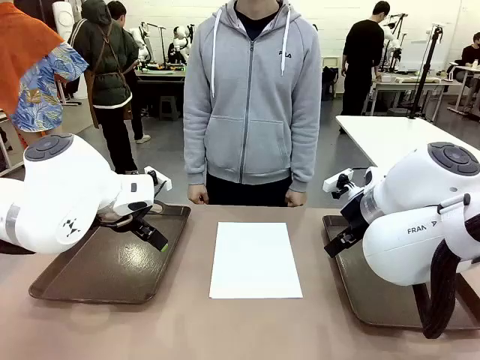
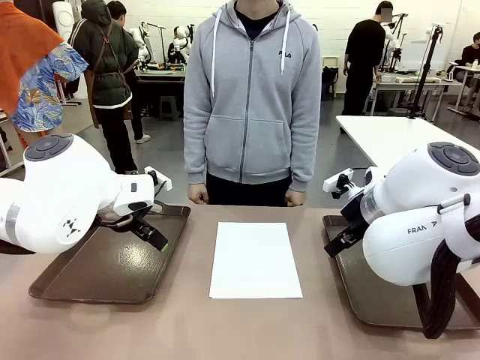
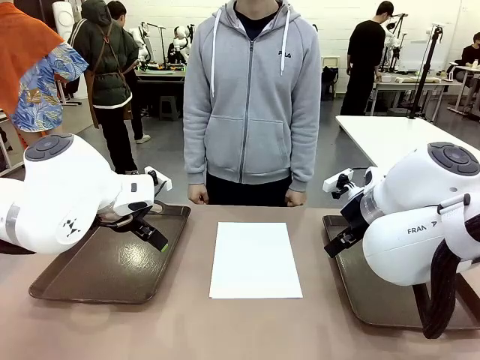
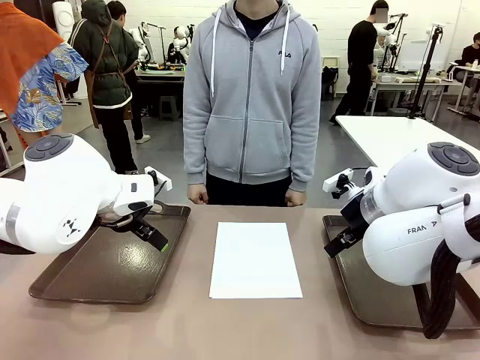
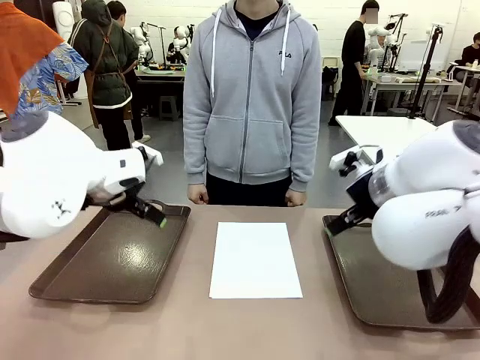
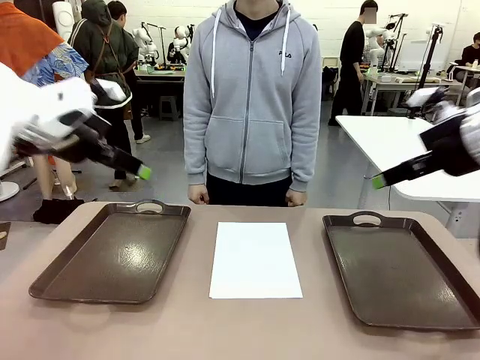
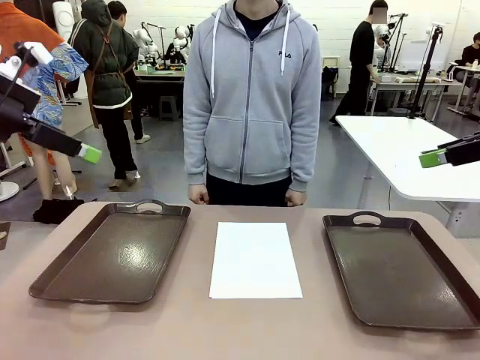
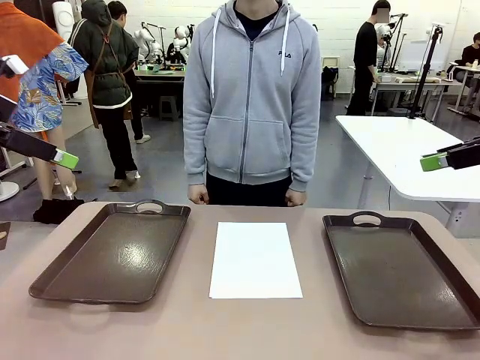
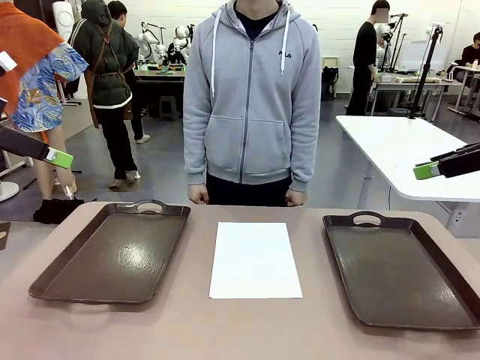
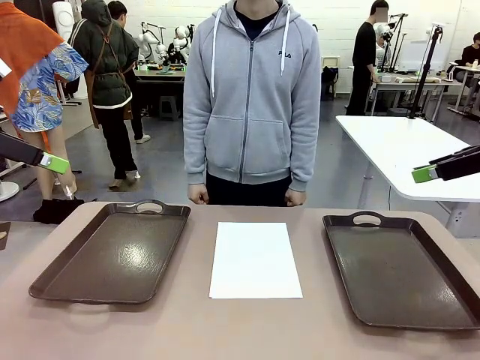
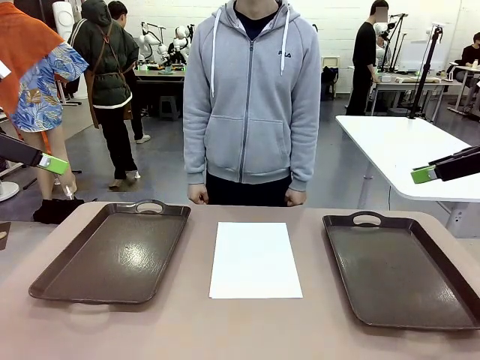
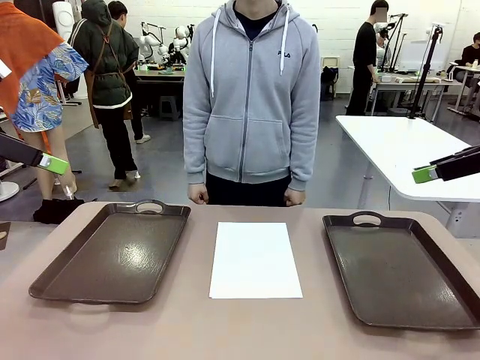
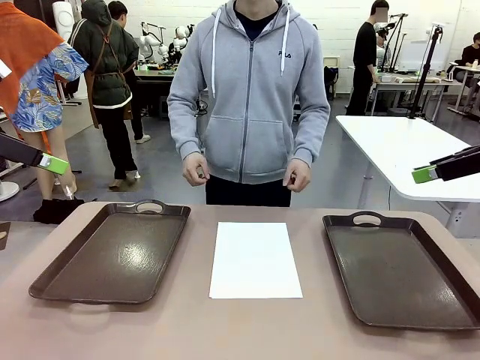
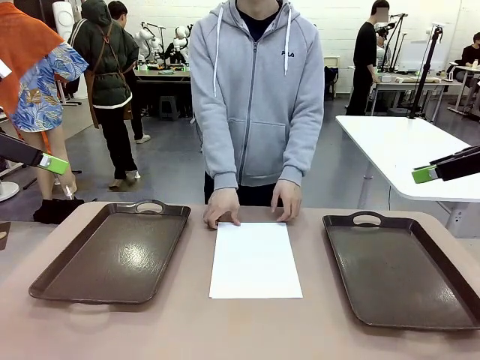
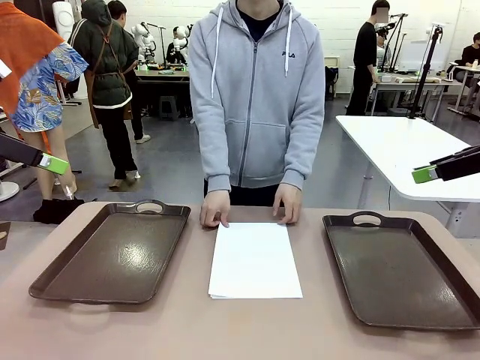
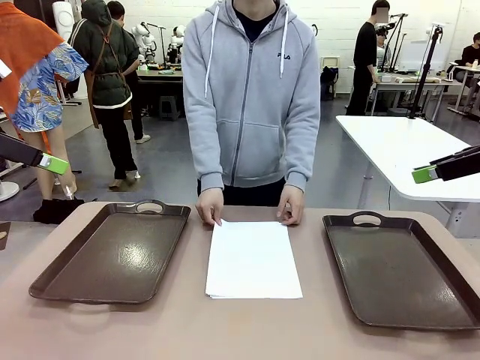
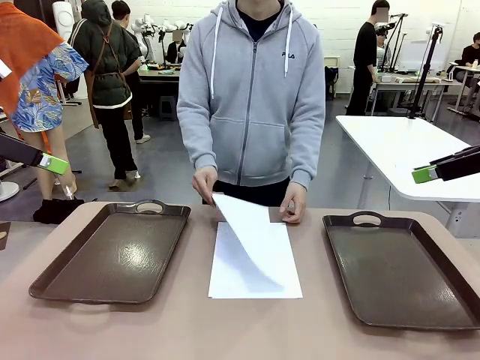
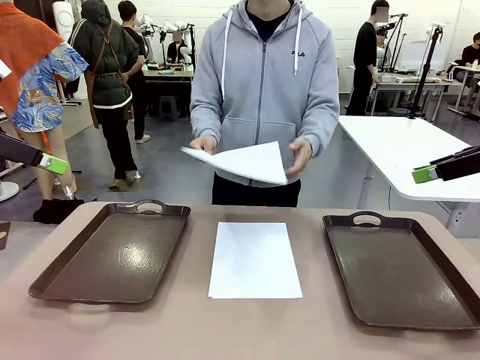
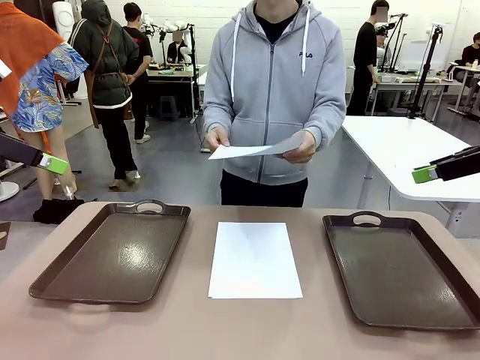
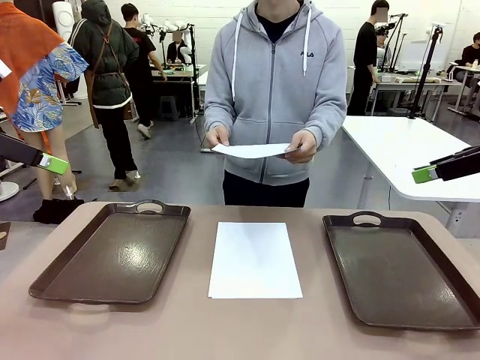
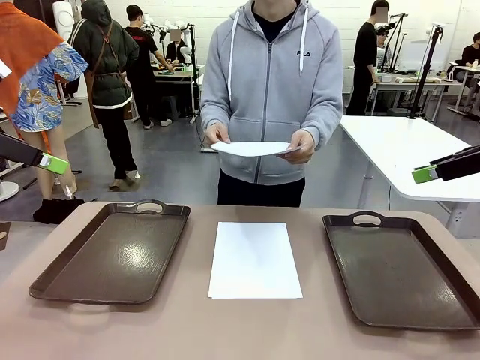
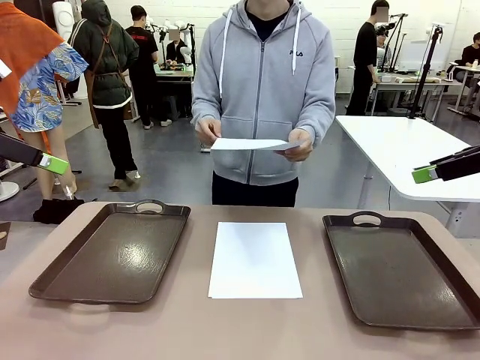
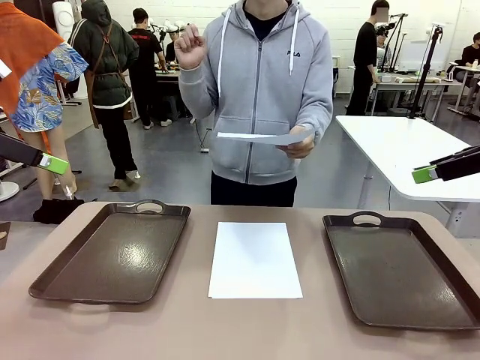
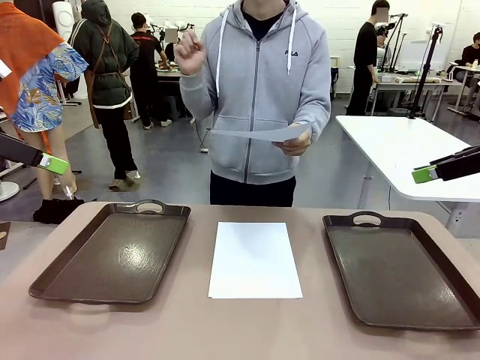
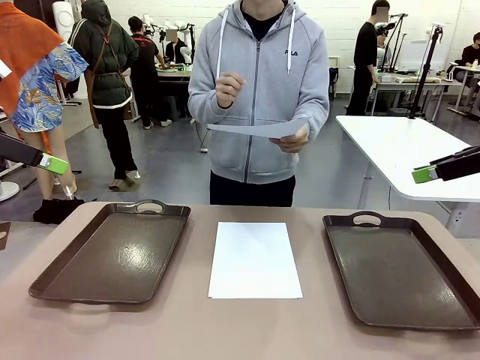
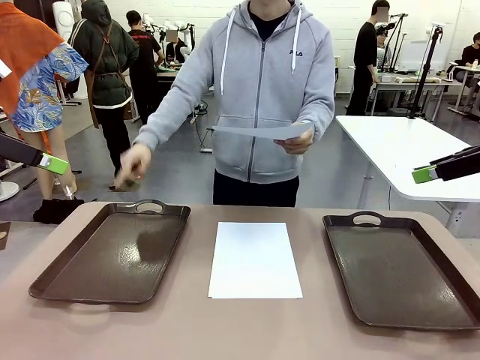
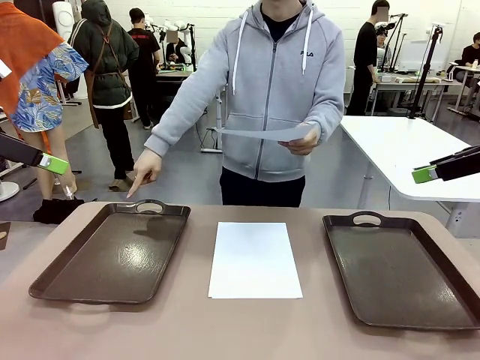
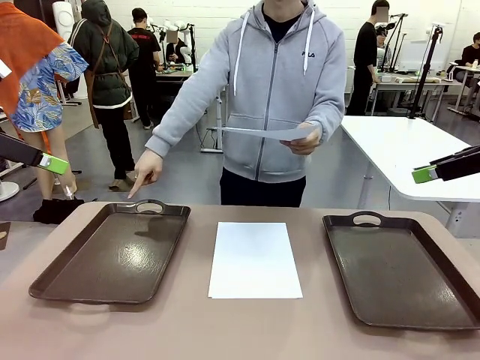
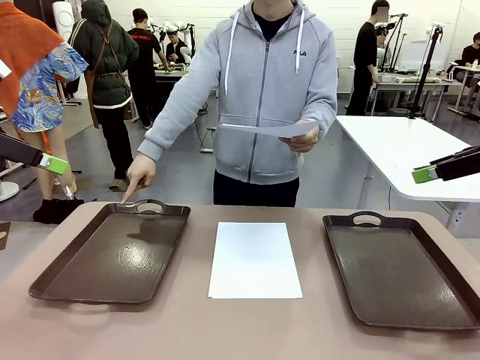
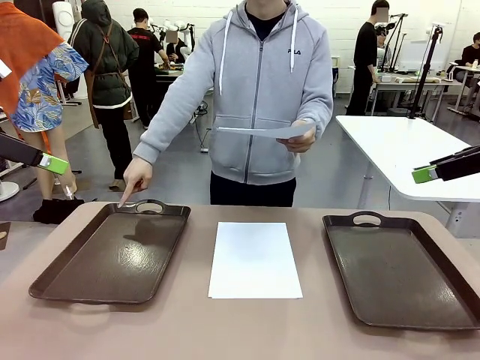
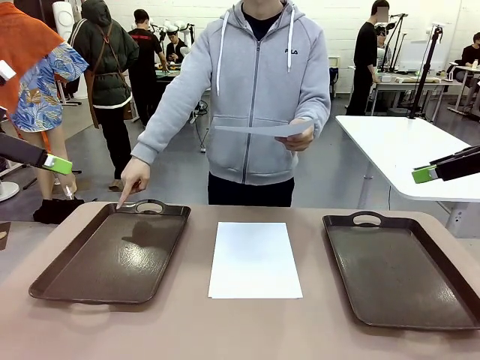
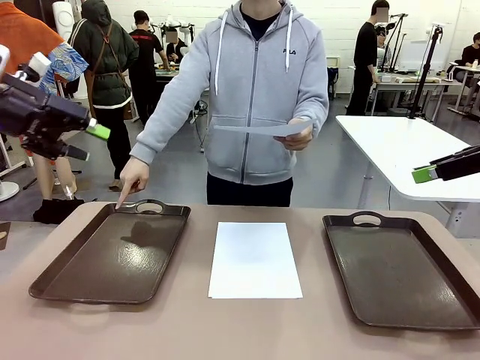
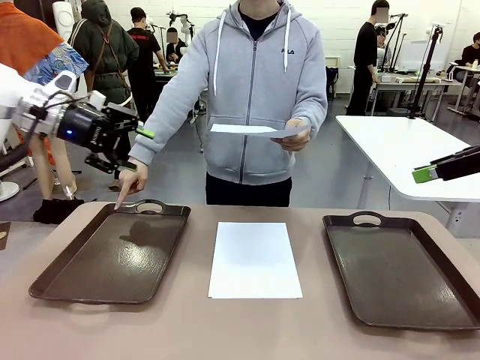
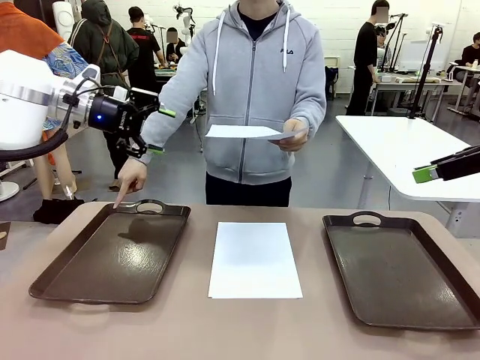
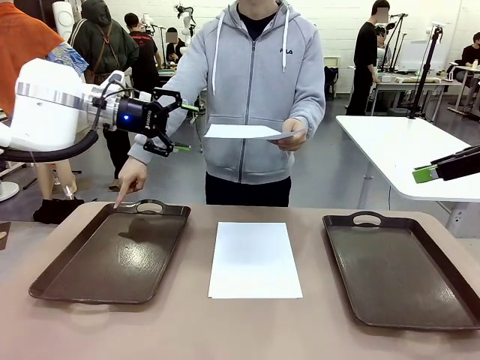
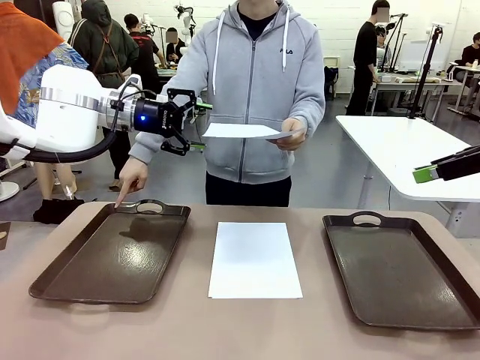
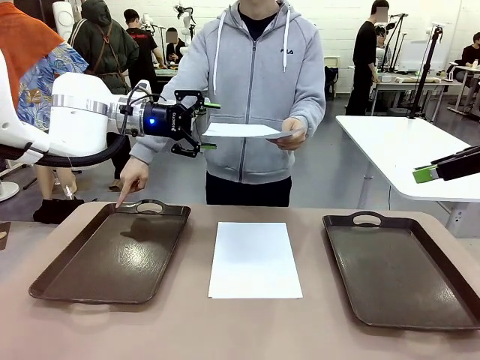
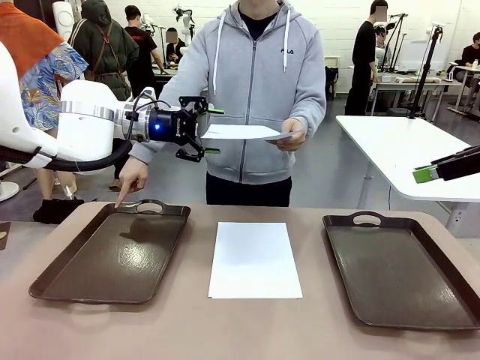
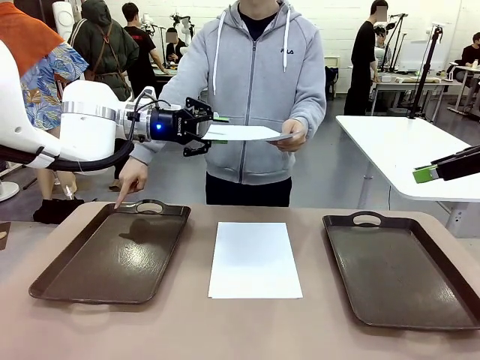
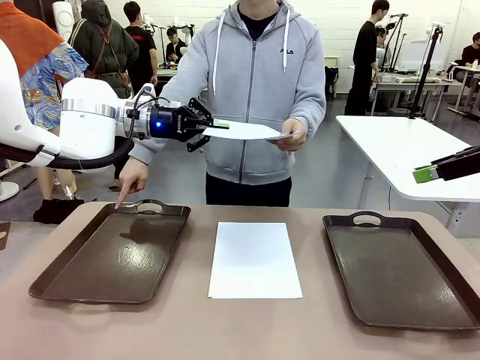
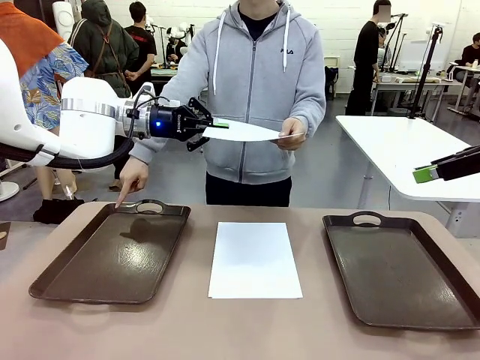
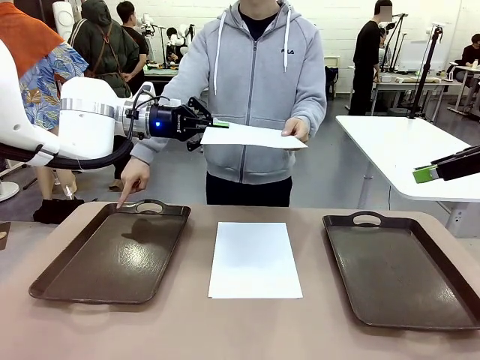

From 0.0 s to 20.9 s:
Task: Sort the A4 documents.
Robot: Receive the A4 Paper.
Person: Pick up a sheet of paper from the center of the table and hand it to the robot. Point the randomly selected tray with the other hand.

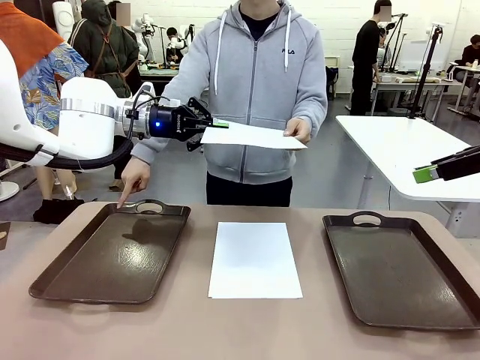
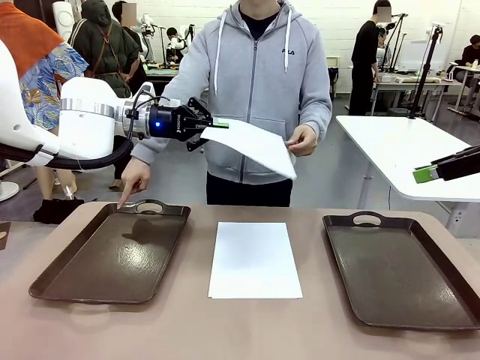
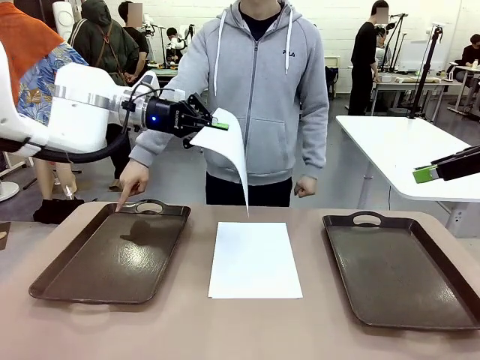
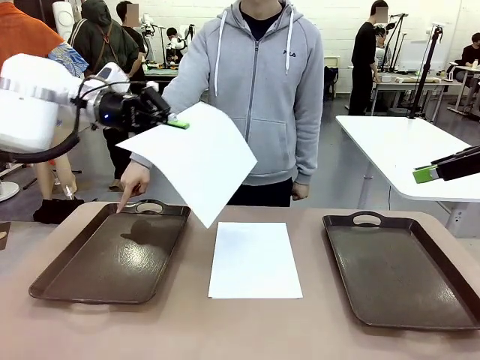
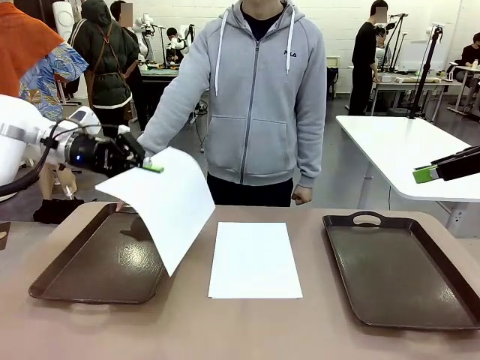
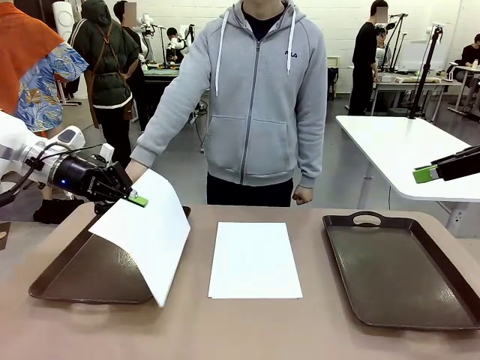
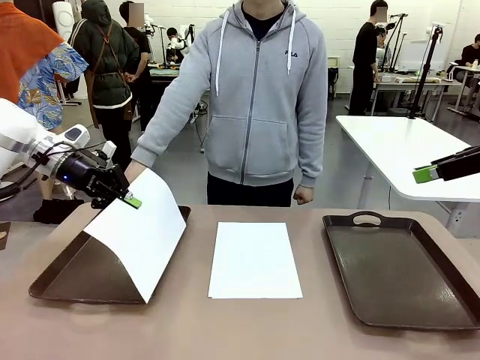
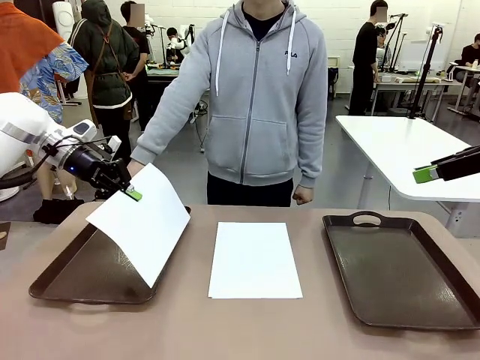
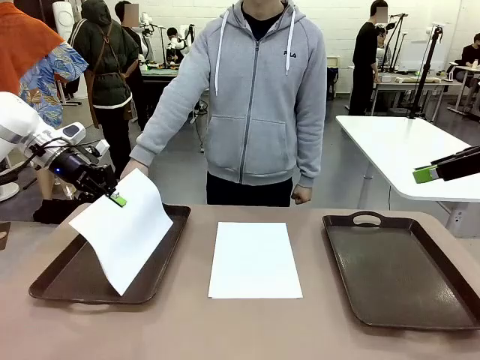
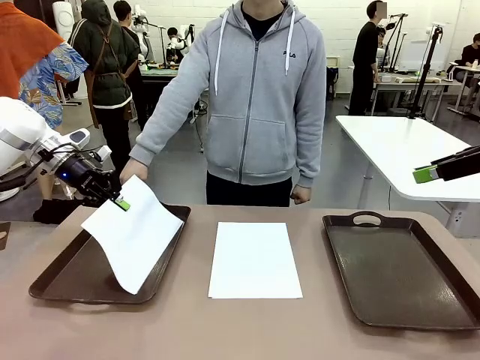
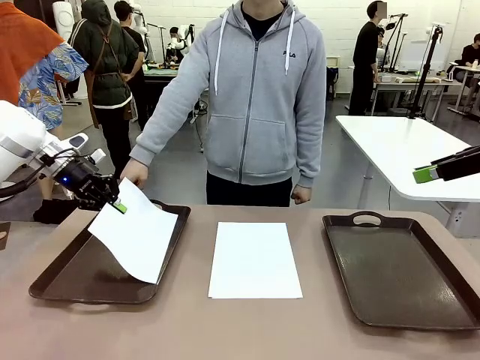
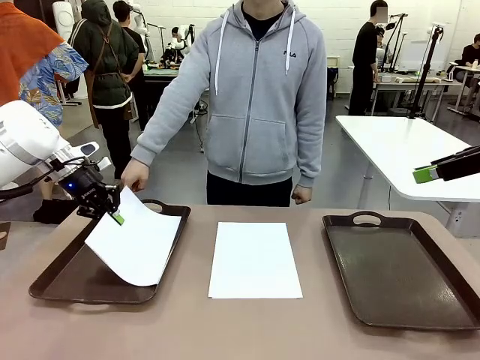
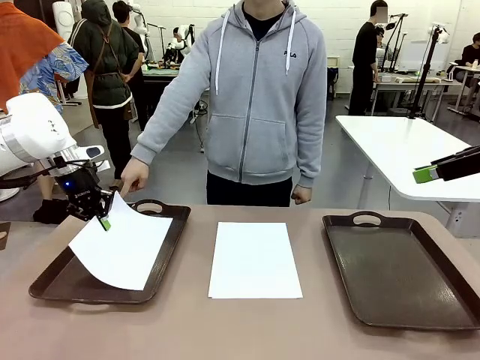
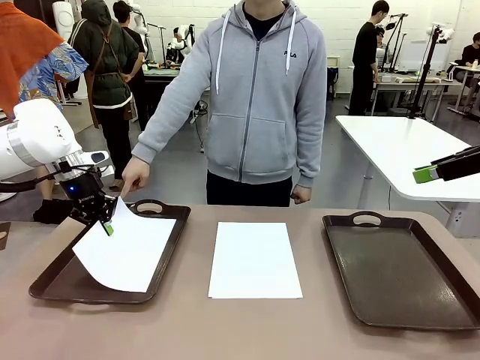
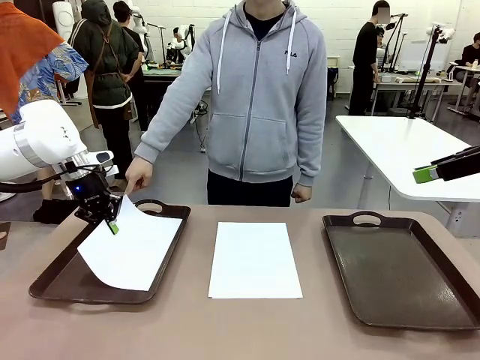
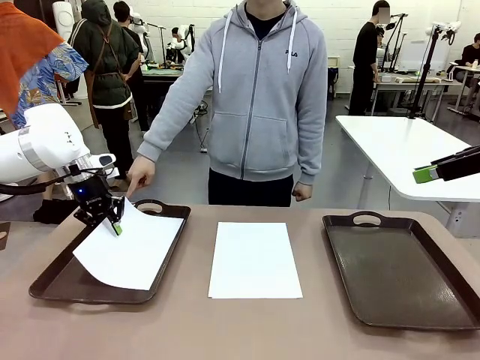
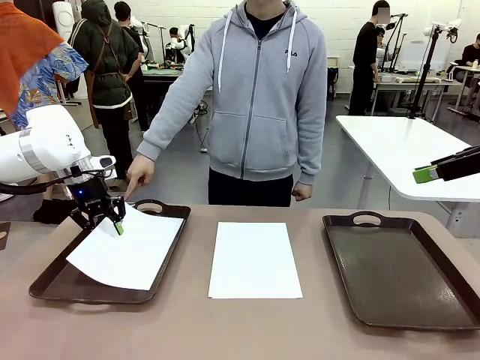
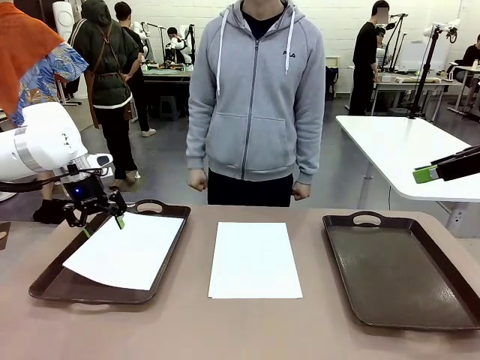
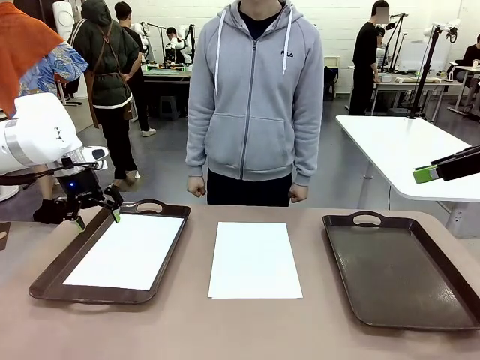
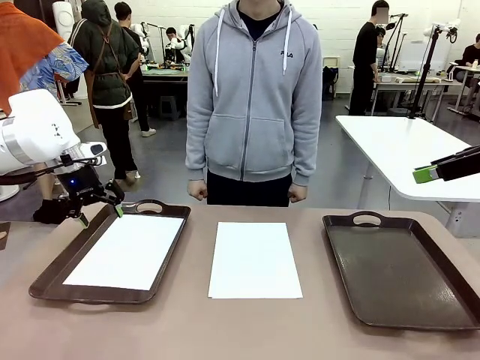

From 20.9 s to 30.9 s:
Robot: Place the A4 Paper in the designated Handle tray.
